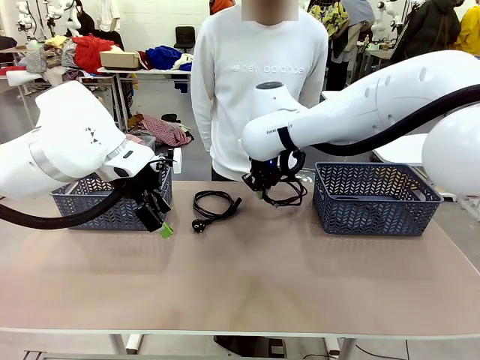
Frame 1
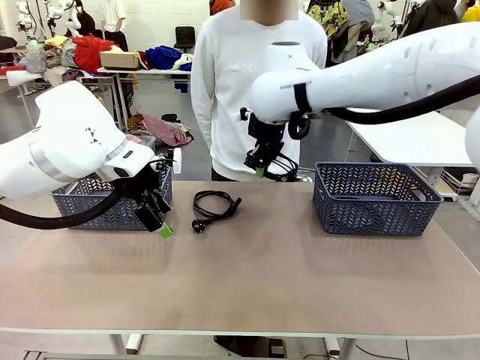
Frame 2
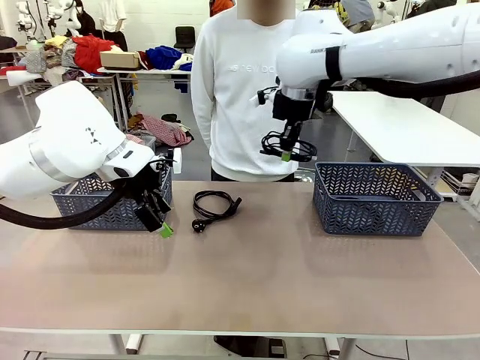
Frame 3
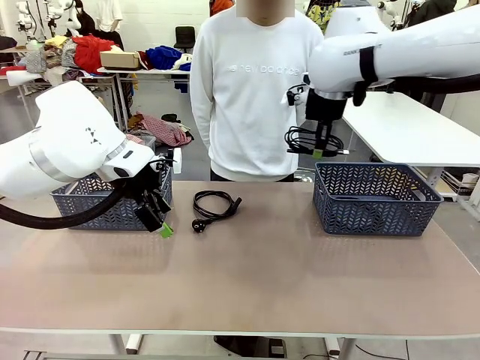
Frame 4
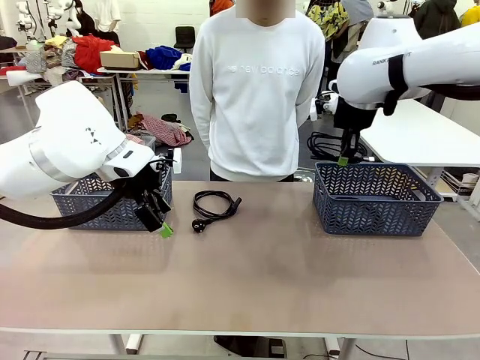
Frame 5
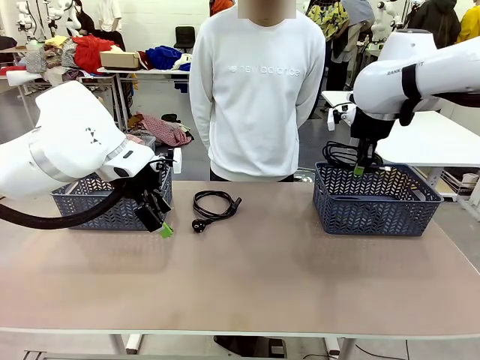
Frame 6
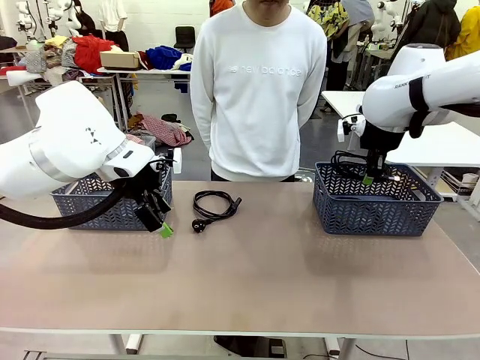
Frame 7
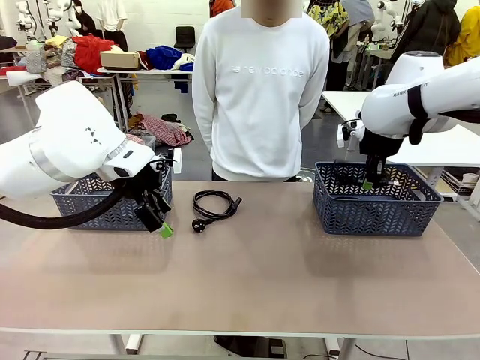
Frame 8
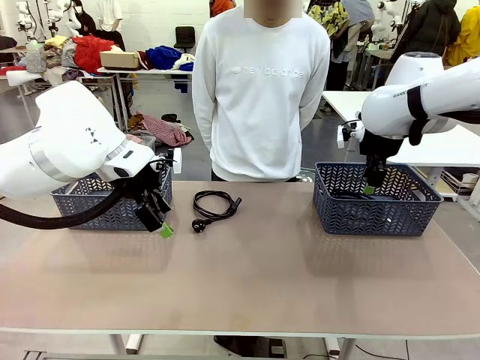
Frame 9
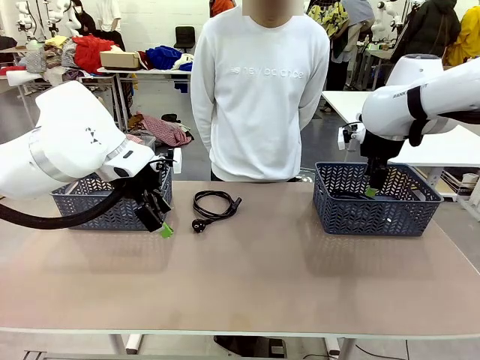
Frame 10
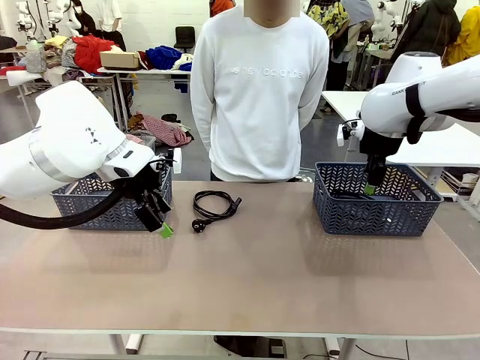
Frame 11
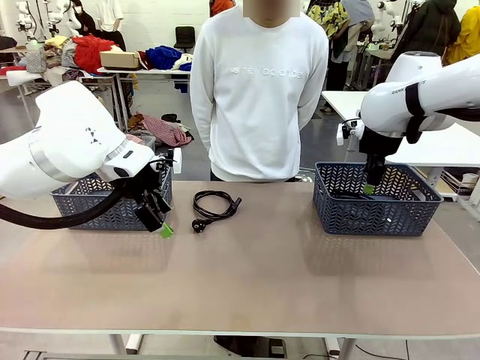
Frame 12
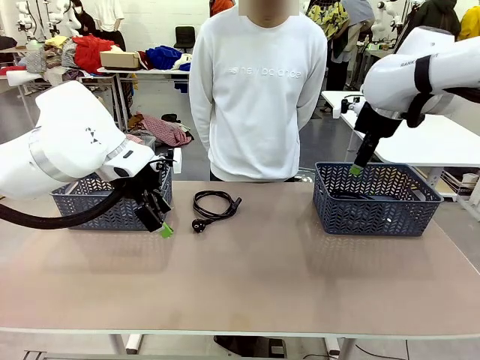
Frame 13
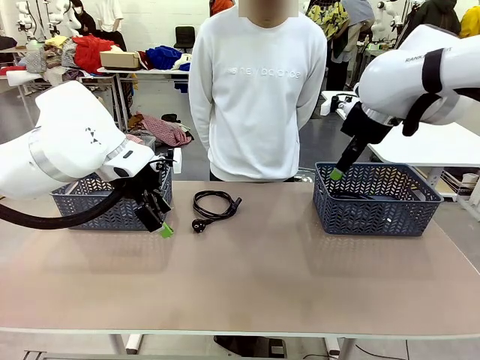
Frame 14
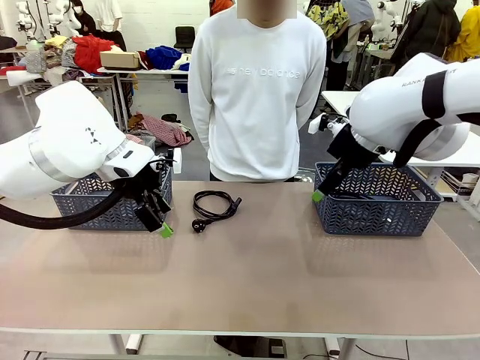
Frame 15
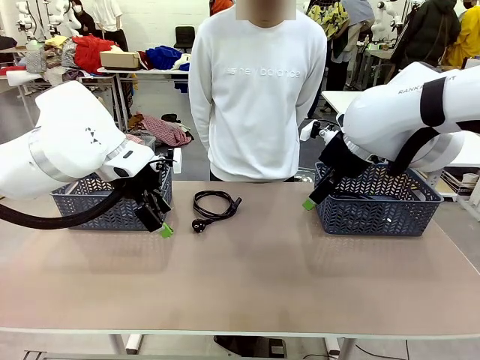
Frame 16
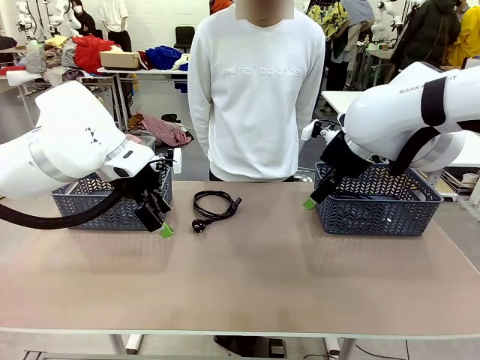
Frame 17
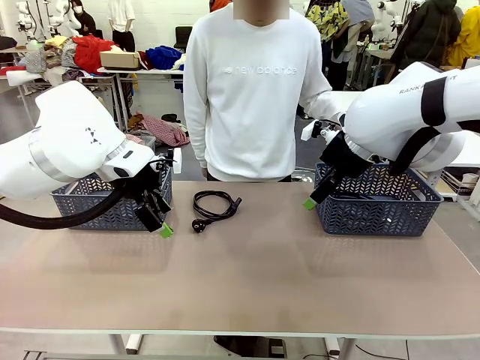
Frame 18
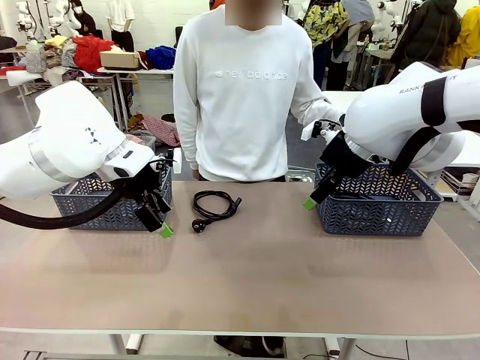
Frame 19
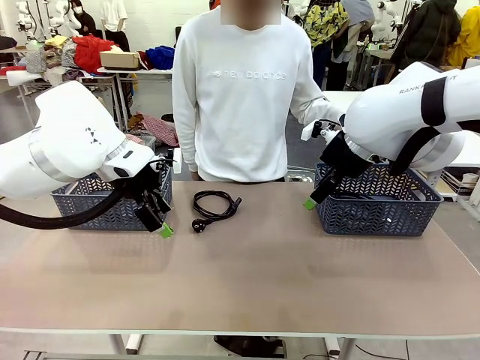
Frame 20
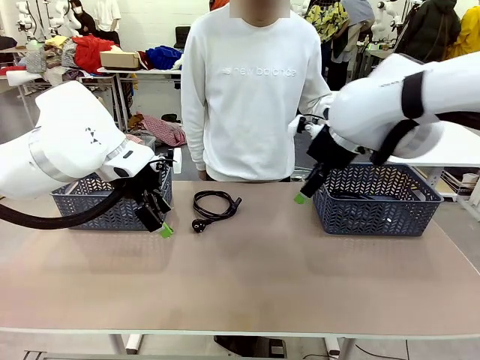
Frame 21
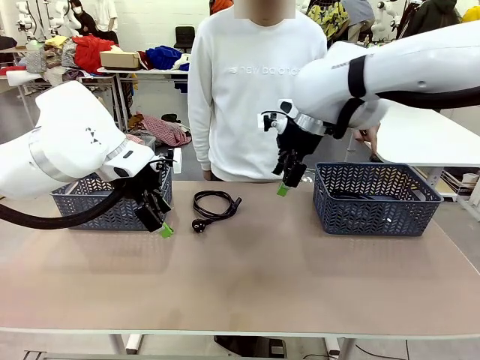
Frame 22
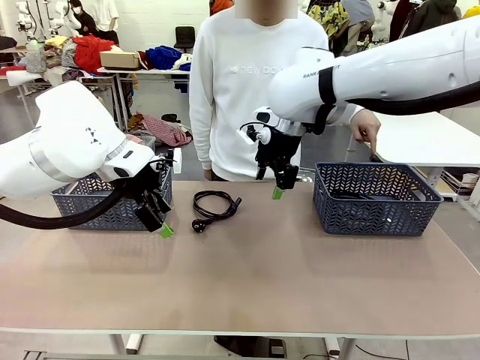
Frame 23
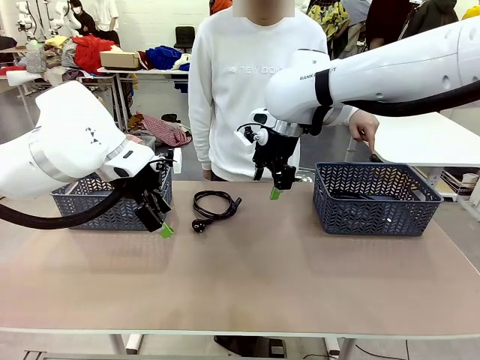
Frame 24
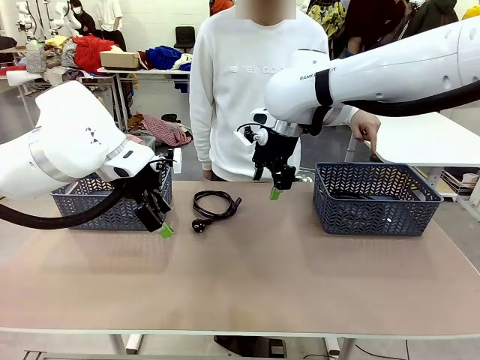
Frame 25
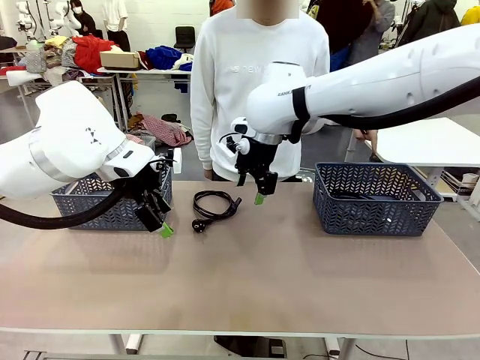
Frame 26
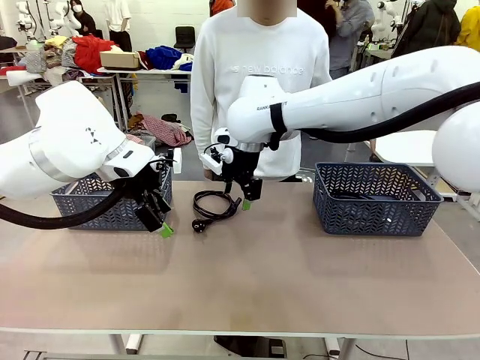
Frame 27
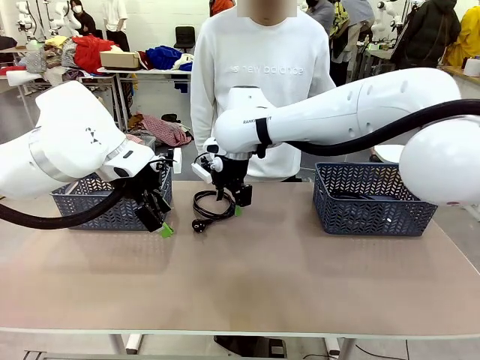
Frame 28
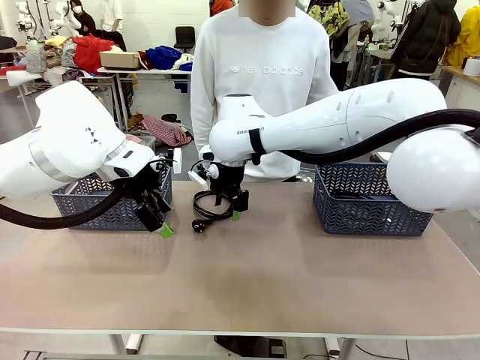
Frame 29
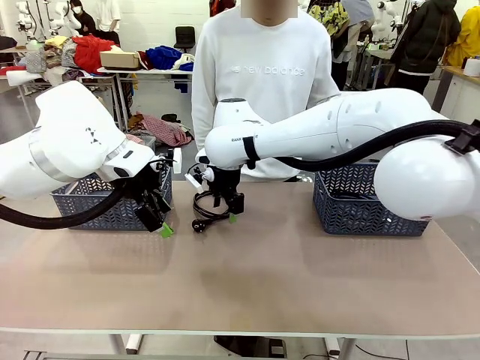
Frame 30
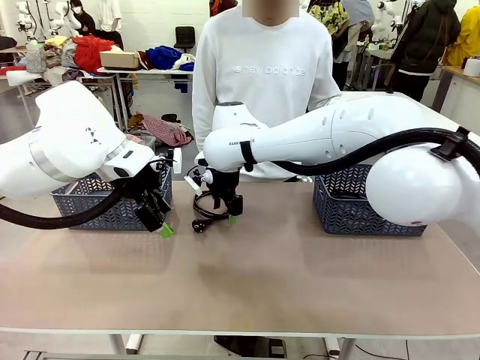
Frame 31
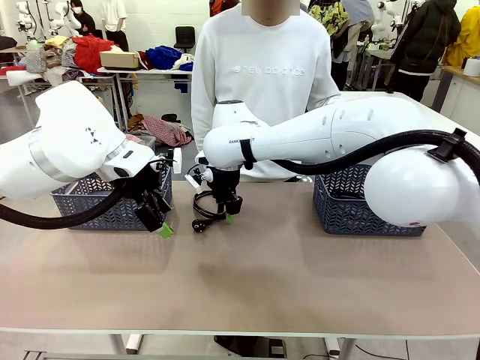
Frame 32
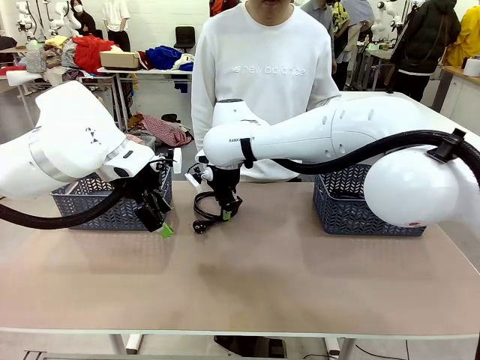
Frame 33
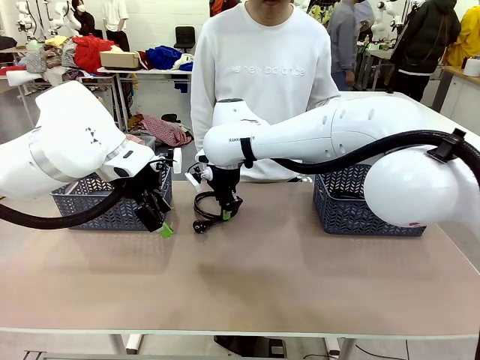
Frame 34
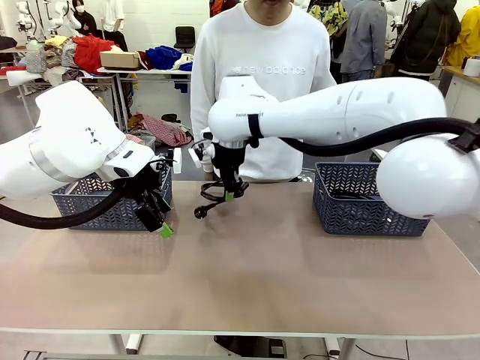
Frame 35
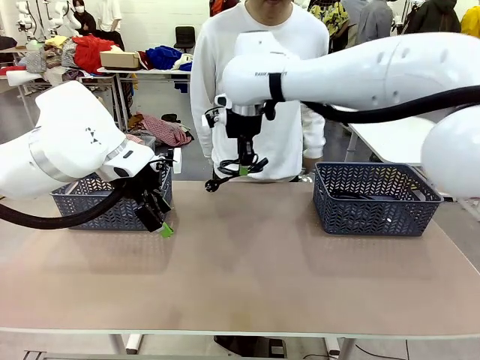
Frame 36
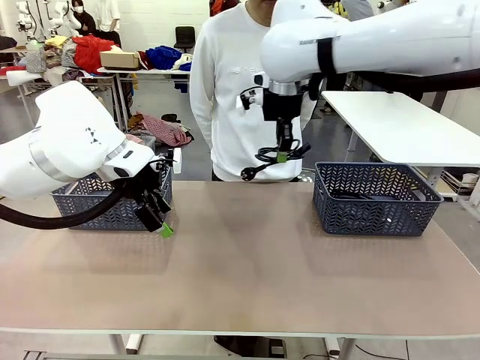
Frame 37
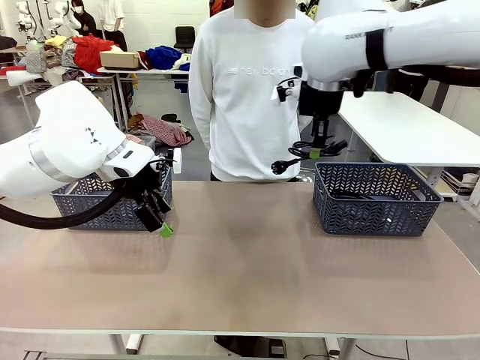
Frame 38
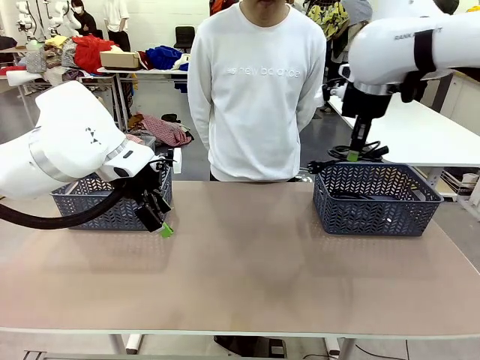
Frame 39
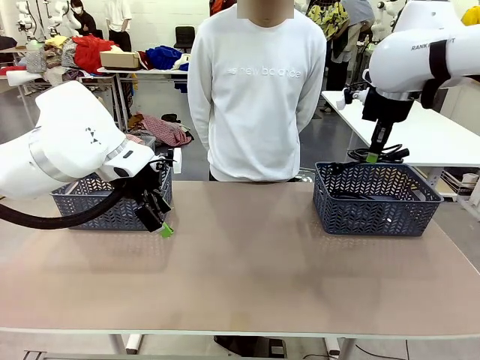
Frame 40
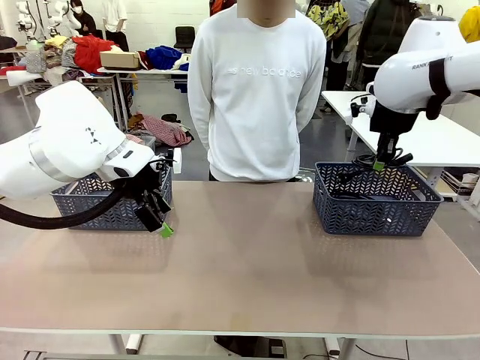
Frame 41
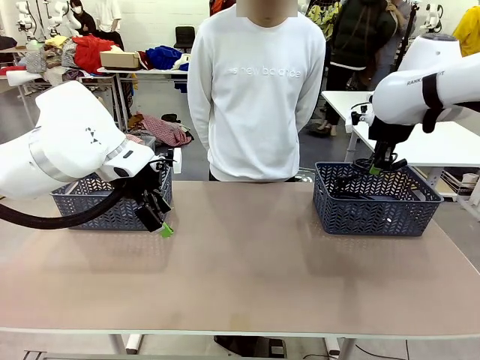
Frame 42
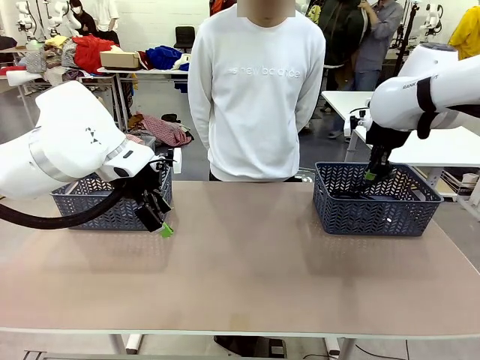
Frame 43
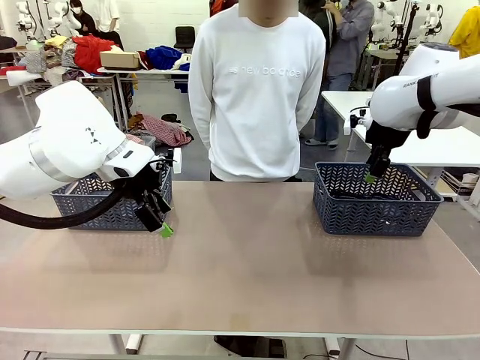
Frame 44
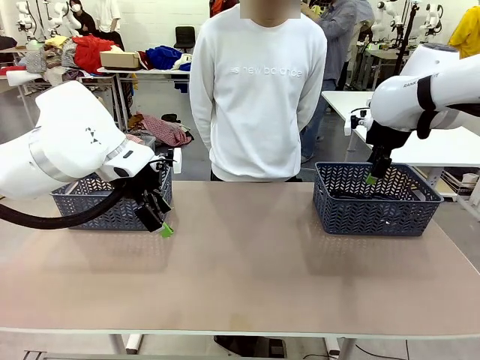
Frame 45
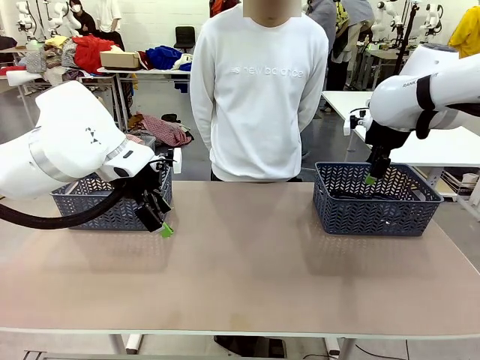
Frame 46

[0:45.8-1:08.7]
Task: Organize the cables according to human instructions.
Robot: Pick up a bundle of cables and place it in the basket indicated by the human.

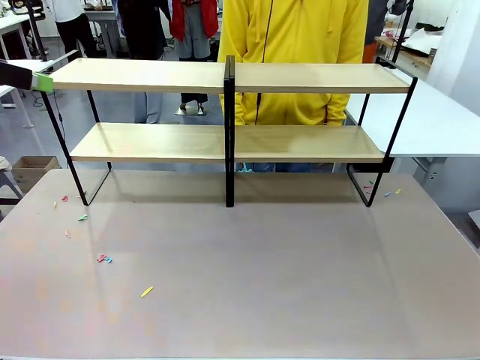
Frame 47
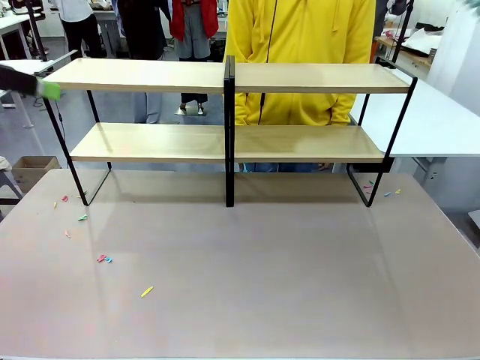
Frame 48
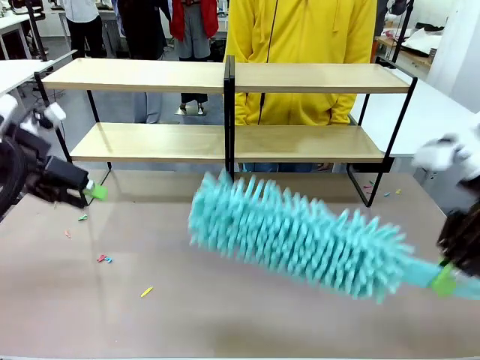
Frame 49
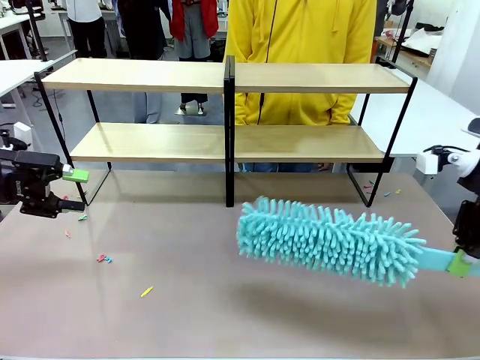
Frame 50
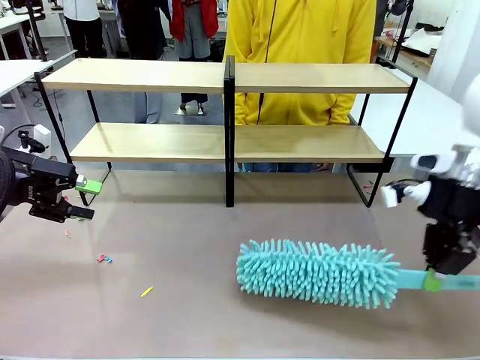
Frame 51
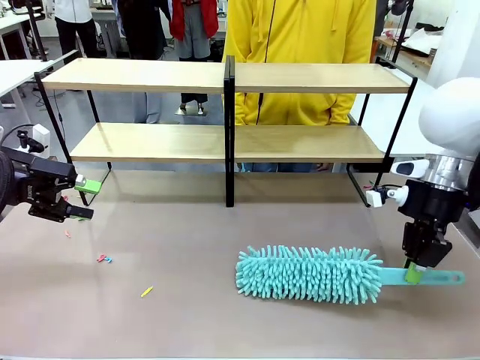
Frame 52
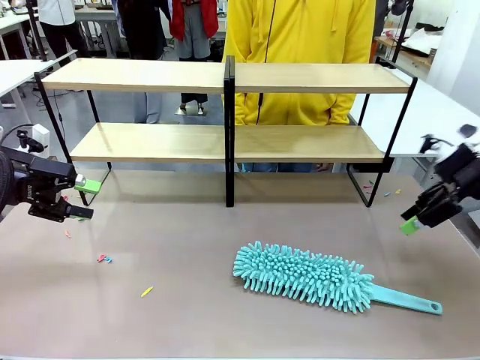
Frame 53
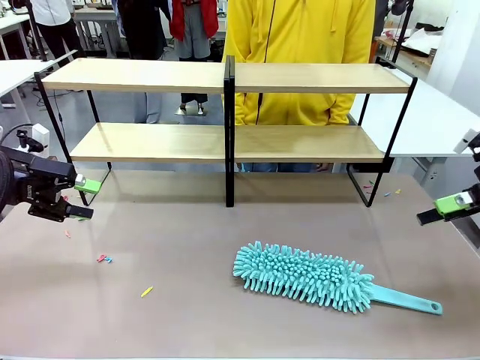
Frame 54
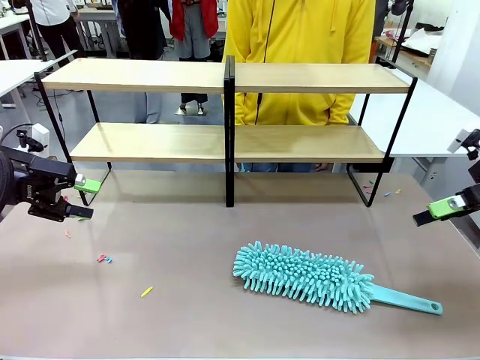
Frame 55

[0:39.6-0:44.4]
Task: Clean the shelves.
Robot: Place the Duster on the table.
